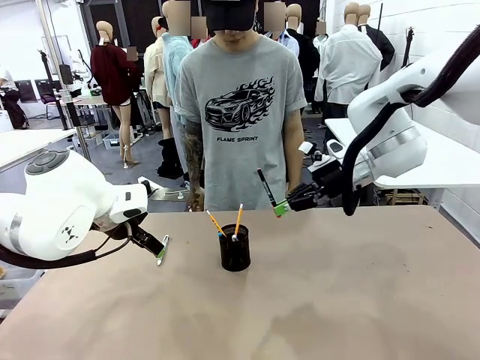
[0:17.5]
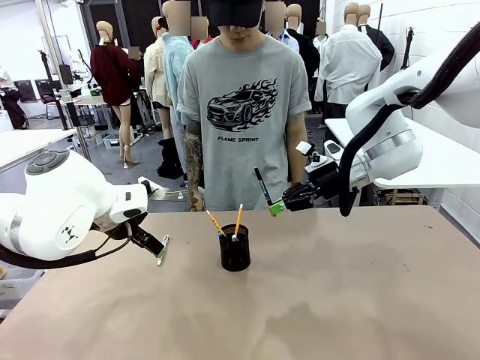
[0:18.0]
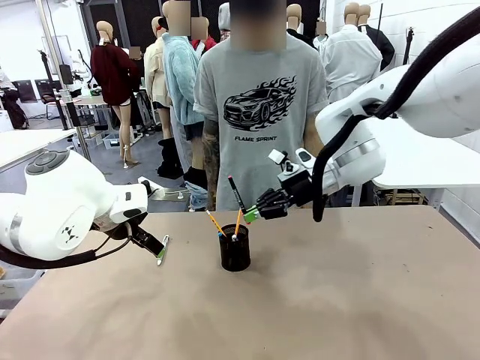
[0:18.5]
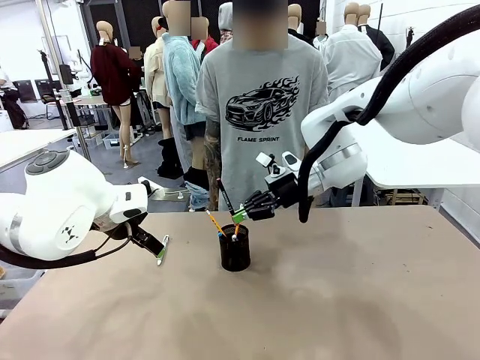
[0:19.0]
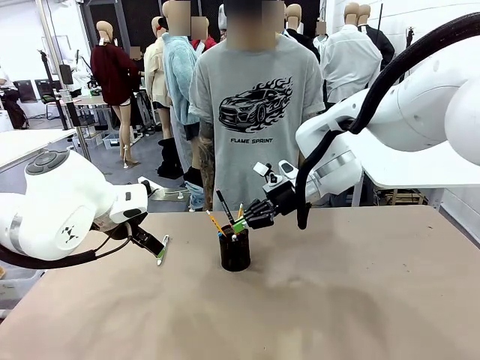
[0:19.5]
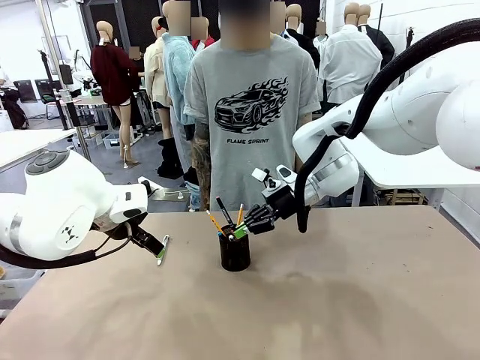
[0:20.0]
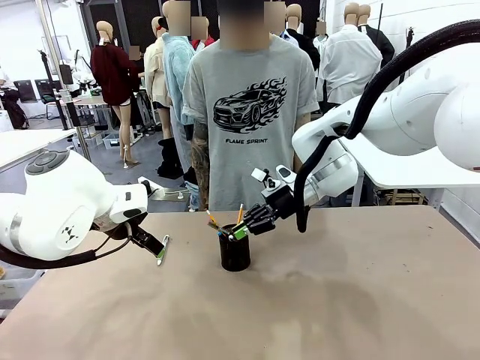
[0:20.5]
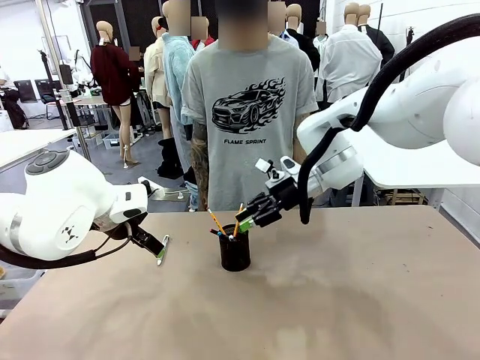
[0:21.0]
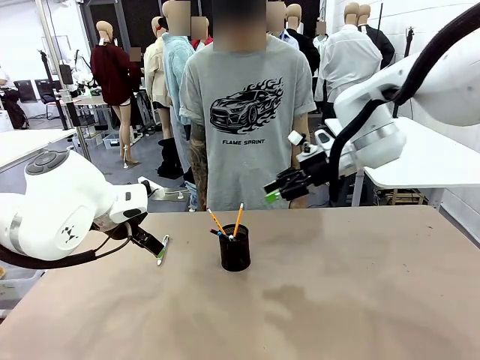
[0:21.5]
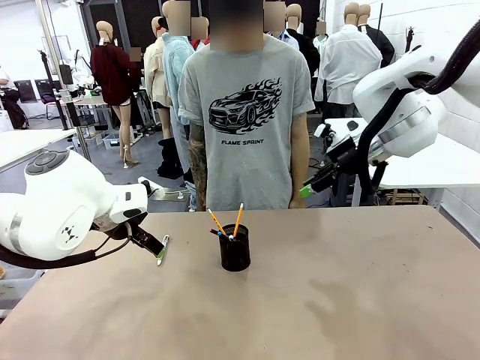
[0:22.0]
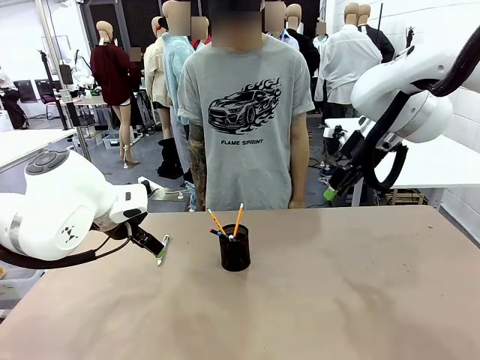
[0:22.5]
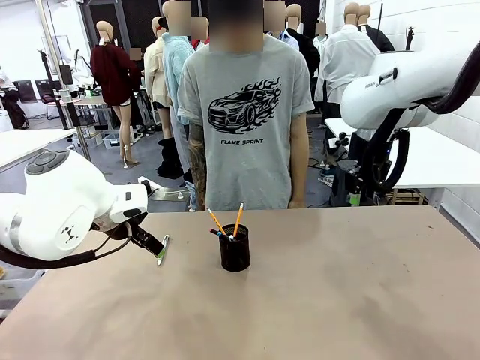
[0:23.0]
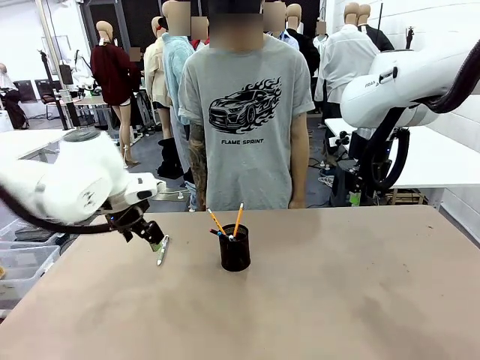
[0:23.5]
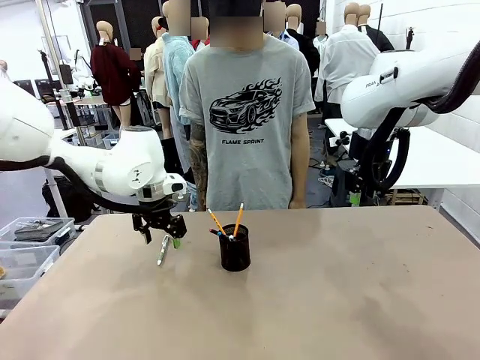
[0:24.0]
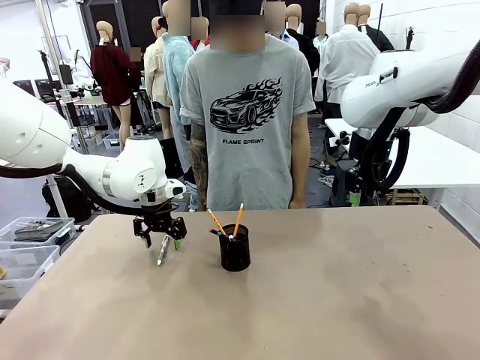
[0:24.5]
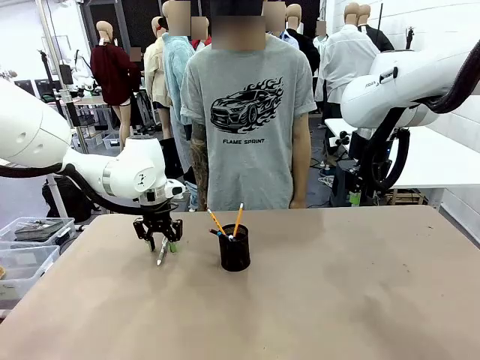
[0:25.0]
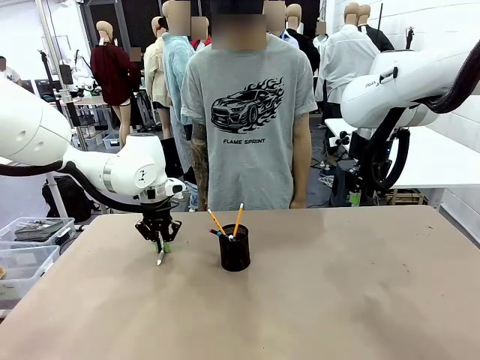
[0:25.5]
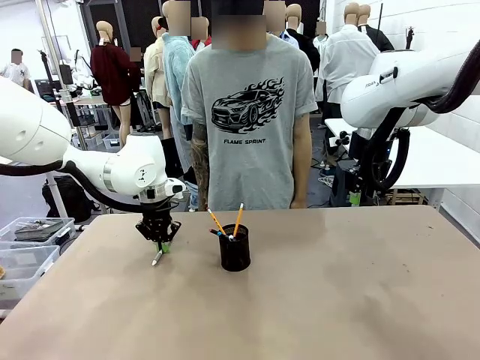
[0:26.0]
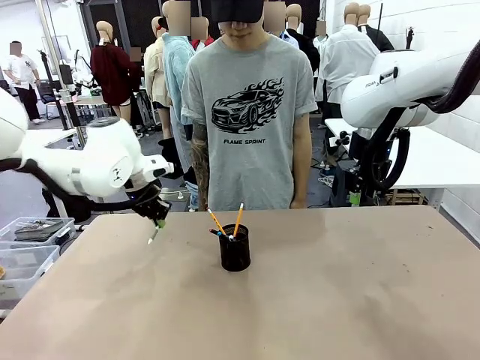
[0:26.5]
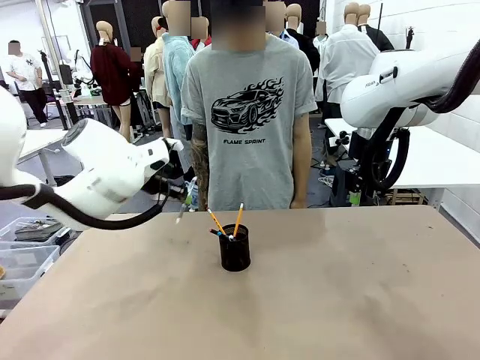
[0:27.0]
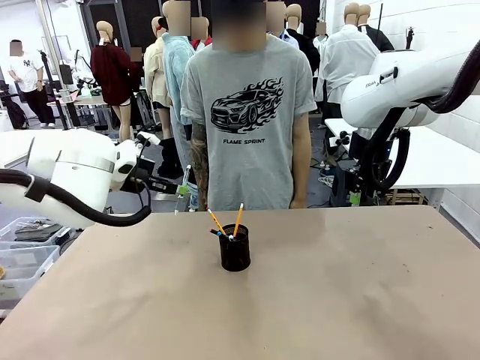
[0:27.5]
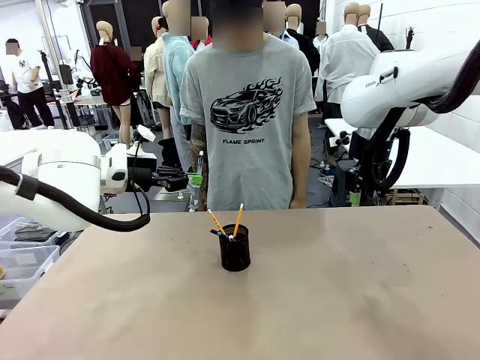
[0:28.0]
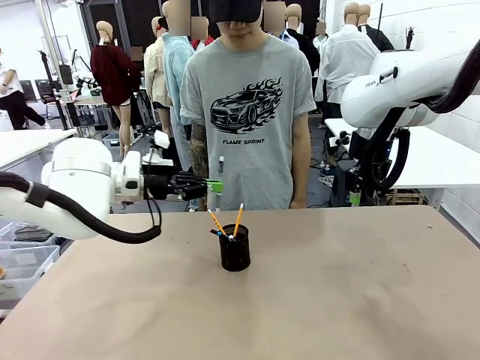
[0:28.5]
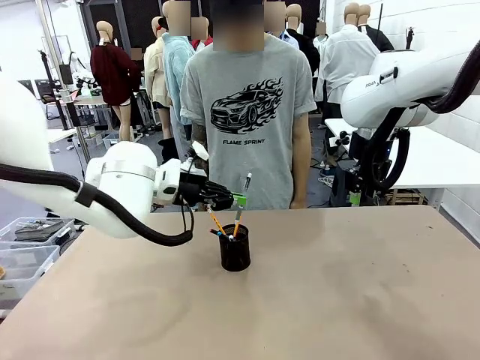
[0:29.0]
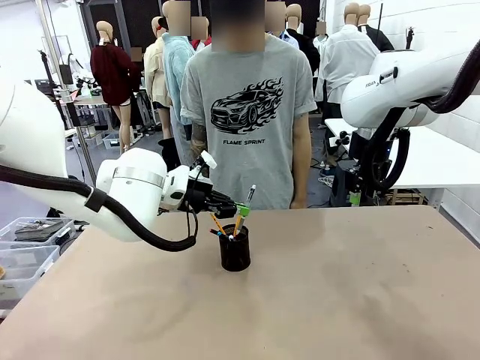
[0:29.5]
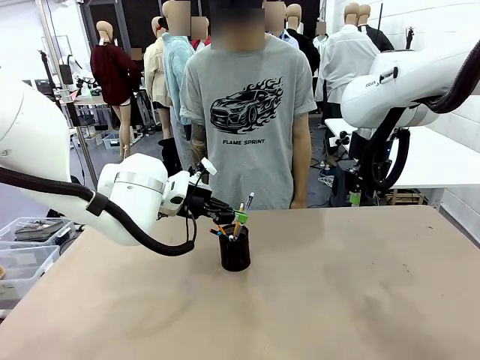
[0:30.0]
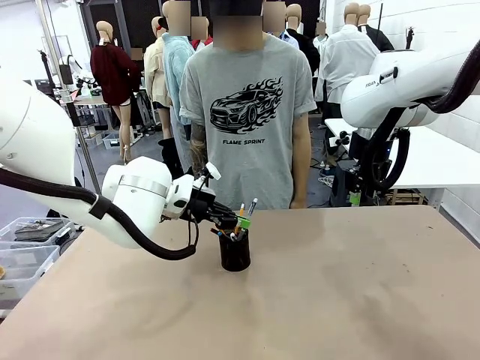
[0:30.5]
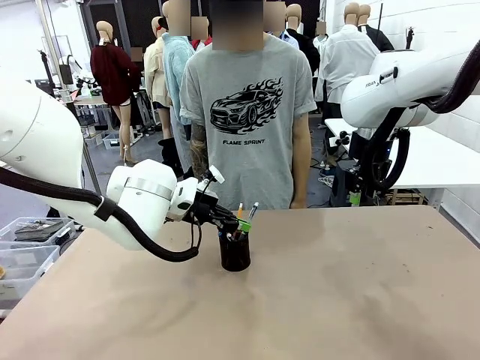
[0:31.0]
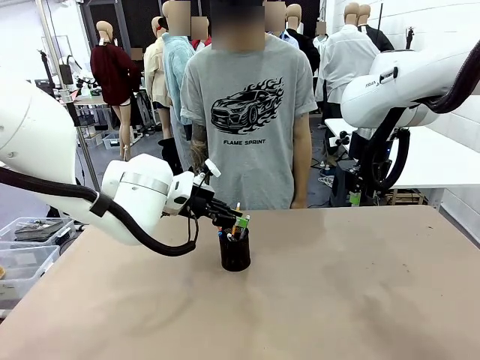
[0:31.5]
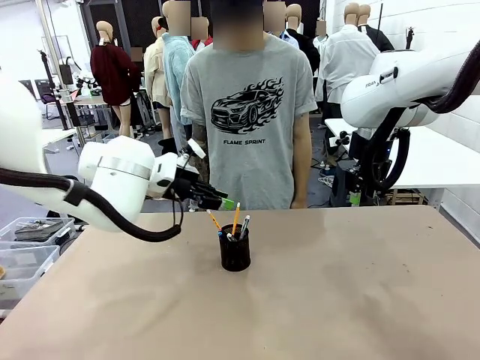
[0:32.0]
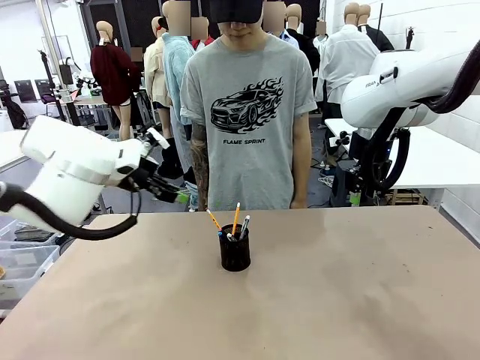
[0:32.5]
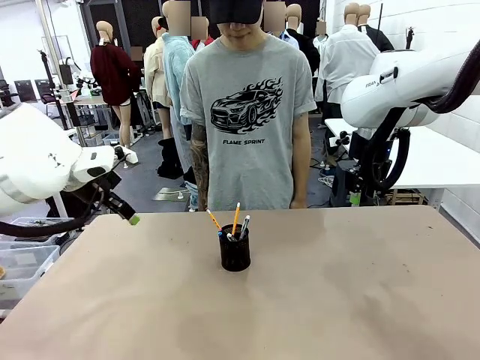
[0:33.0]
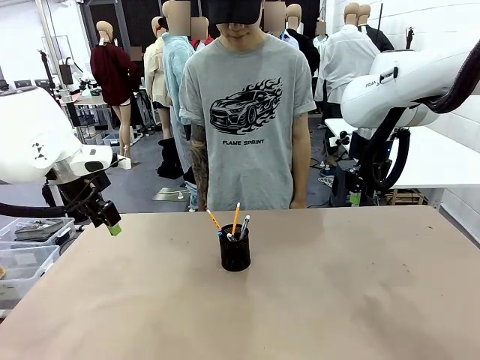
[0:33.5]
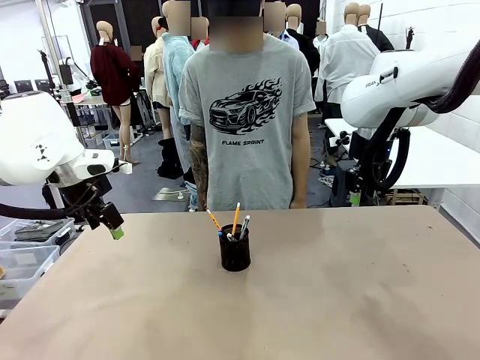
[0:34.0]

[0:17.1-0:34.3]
Task: Place the pens into the pen holder.
Robot: Pick up a writing instrument from the table and place it into the Pen holder.
Person: Place all writing instrument into the Pen holder.
